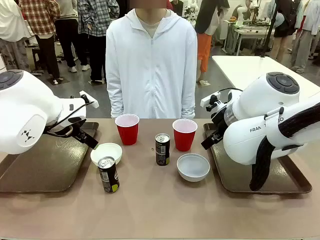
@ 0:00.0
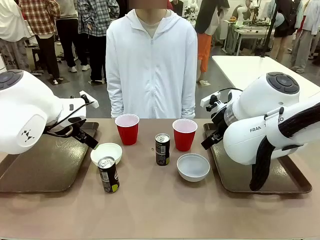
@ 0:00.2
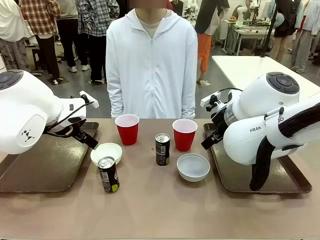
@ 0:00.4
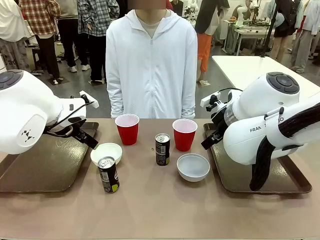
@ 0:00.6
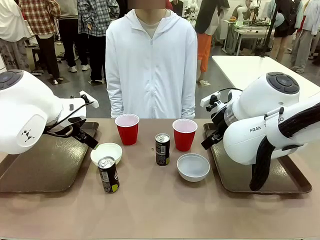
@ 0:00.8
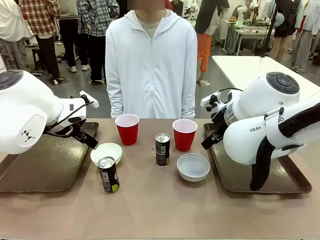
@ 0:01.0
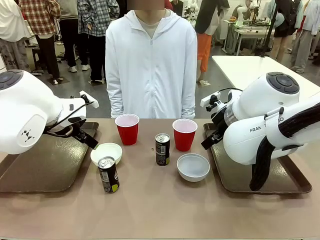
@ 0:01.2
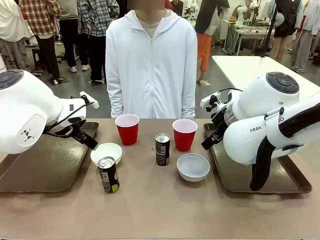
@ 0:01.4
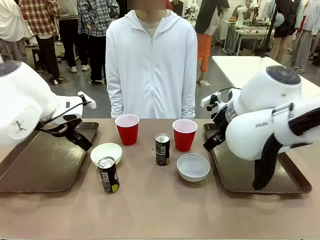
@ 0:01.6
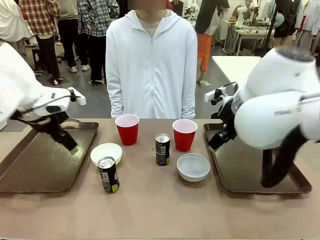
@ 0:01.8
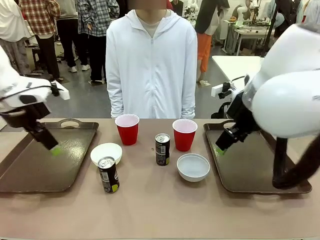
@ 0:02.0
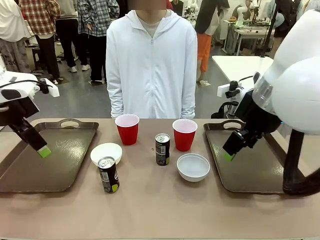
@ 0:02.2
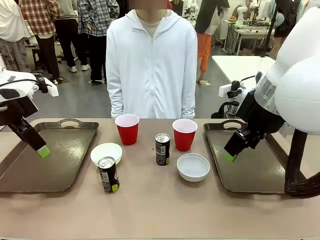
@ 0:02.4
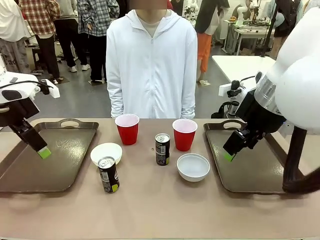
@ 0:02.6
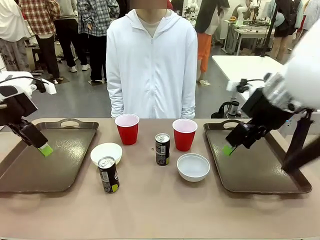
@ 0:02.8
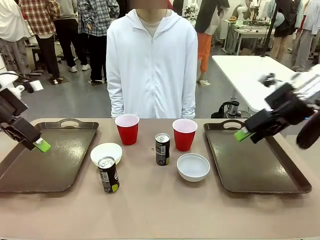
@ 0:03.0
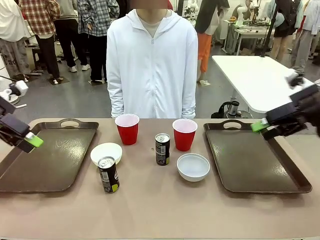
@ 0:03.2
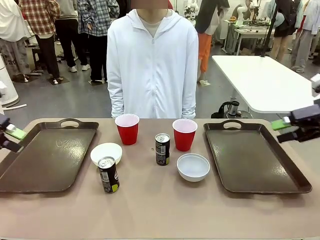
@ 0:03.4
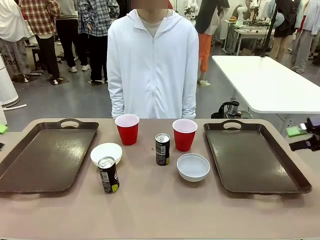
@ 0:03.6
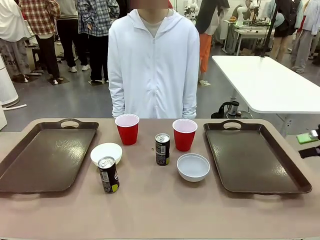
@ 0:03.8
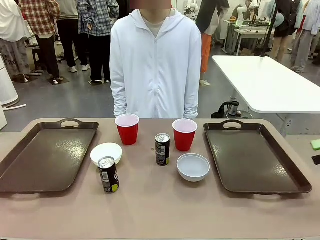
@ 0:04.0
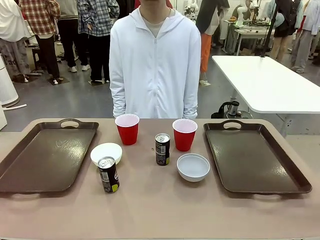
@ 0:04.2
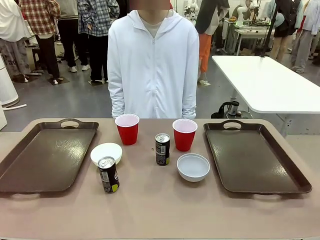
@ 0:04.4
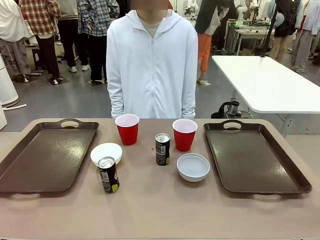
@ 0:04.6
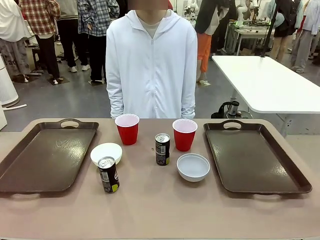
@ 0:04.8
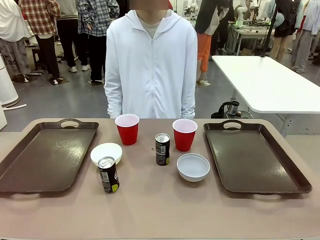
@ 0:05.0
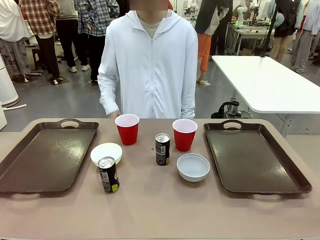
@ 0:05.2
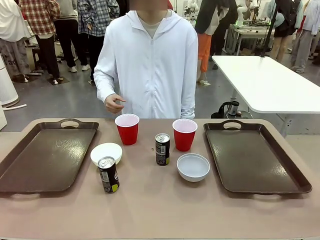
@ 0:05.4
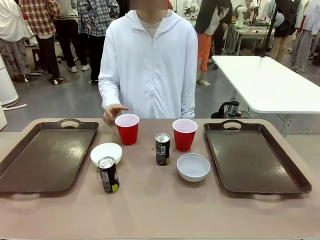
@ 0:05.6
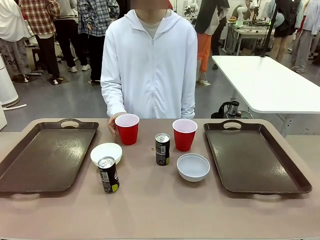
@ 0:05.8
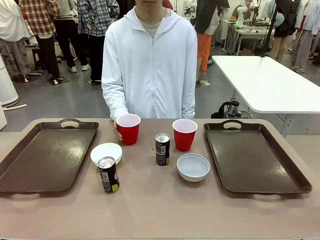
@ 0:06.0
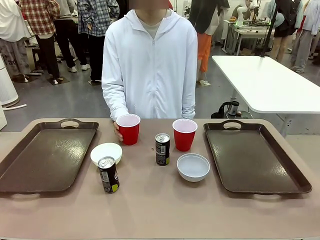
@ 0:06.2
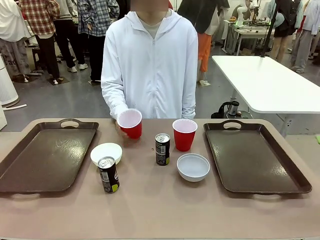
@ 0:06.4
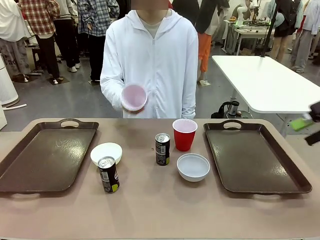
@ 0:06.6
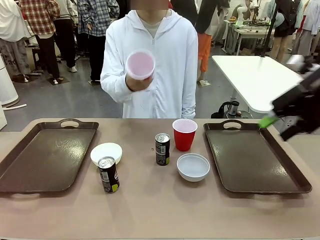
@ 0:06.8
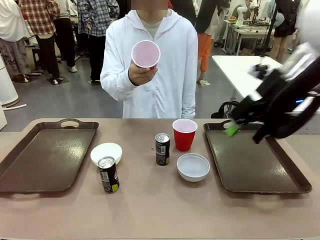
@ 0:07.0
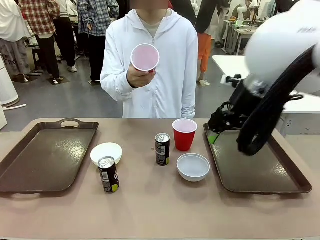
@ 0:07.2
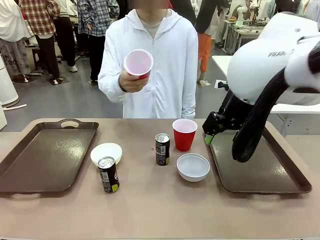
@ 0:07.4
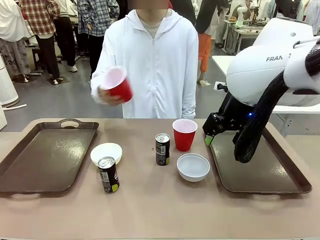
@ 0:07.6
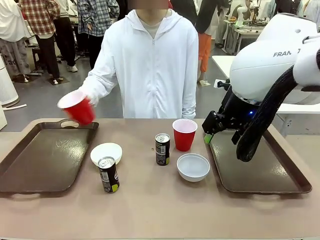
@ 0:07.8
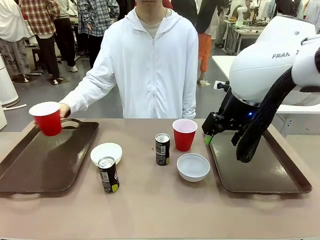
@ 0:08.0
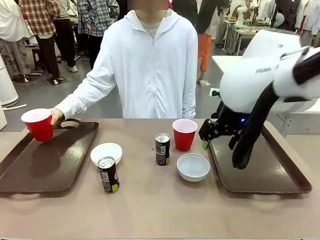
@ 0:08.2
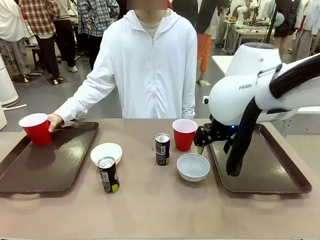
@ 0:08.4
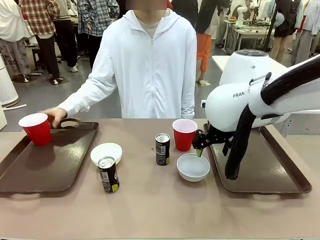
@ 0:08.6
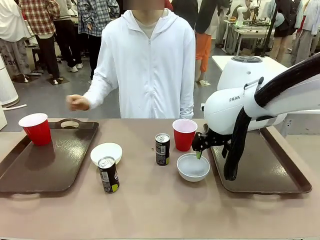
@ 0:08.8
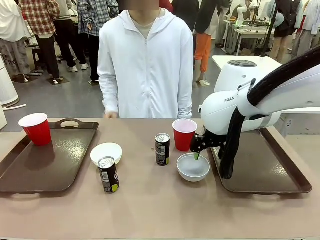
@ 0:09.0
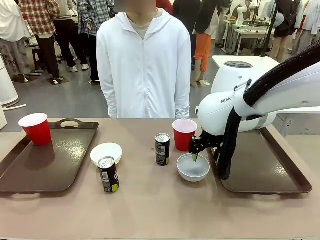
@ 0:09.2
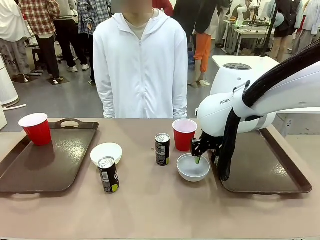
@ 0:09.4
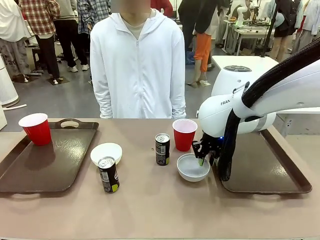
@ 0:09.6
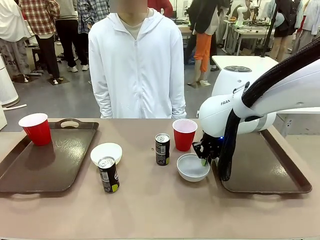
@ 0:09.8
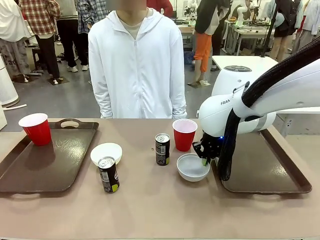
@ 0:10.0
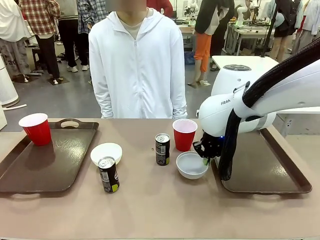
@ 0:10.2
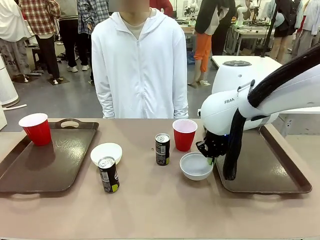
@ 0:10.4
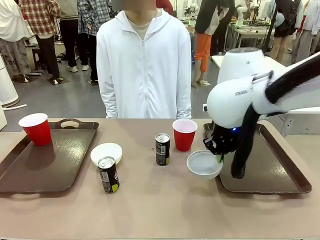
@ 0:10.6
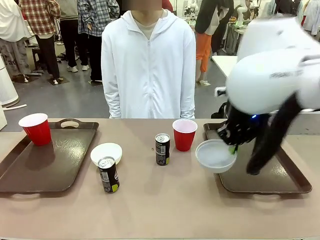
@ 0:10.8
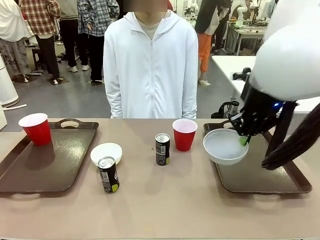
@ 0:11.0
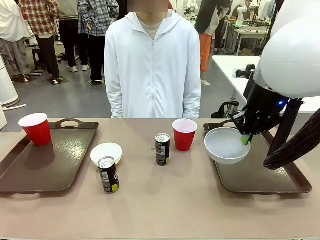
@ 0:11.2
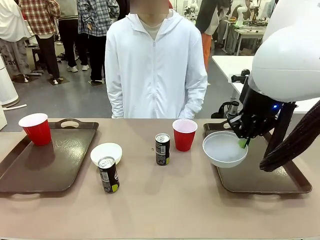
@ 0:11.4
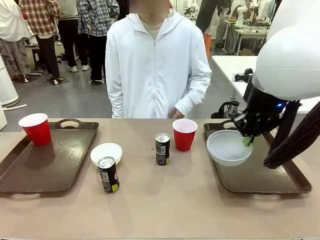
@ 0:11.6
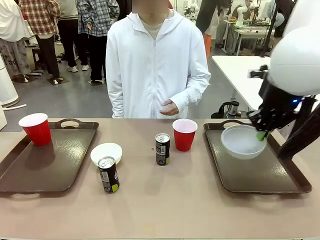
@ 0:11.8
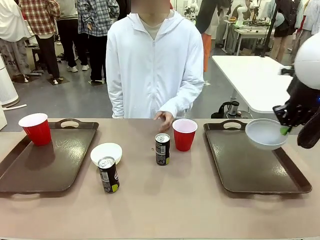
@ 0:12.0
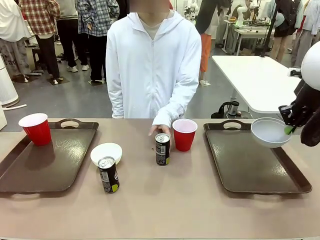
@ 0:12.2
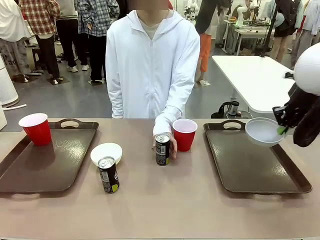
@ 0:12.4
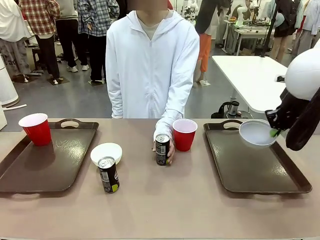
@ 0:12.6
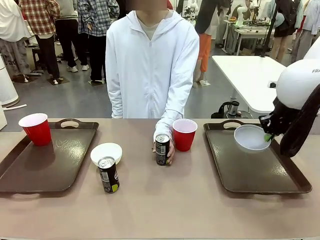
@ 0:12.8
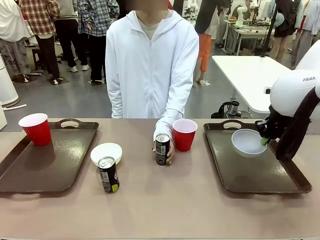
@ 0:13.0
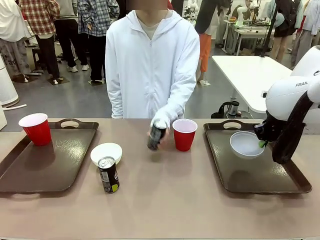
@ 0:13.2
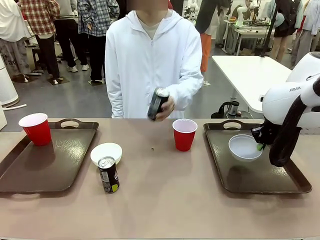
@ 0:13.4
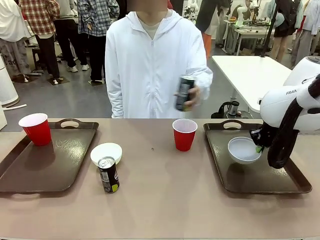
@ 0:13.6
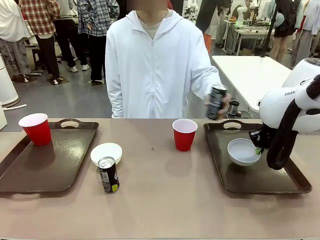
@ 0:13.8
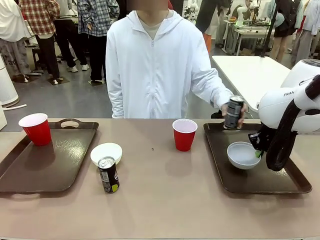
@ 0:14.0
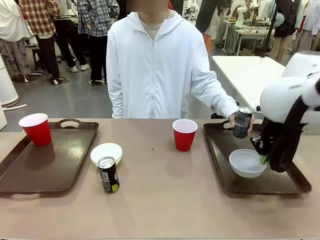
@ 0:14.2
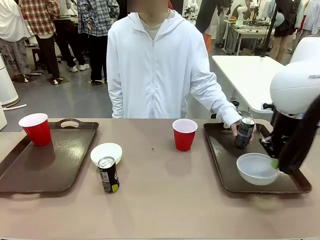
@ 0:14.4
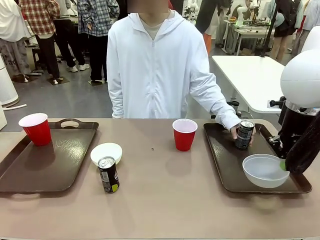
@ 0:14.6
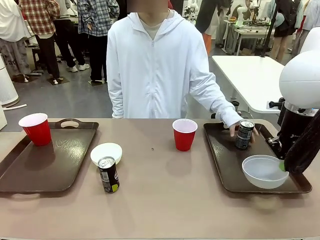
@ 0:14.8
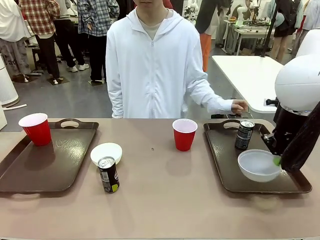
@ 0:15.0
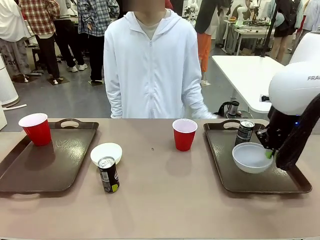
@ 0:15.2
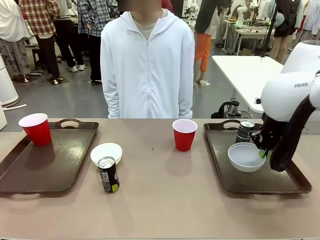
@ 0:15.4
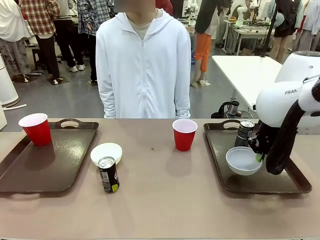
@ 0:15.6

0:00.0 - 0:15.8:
Task: Prepare tableware on both trays.
Robot: Pick up a Picnic Bowl from the table and place it on a Handle tray.
Person: Pick up a can or cup and place it on the tray.
